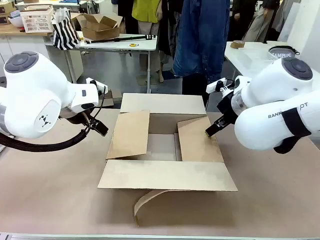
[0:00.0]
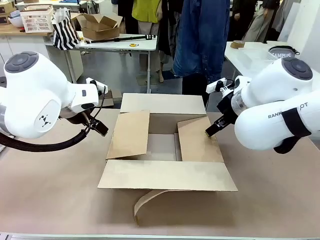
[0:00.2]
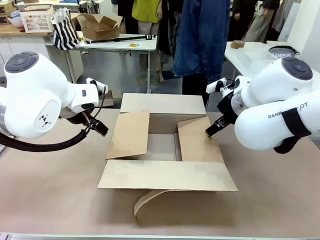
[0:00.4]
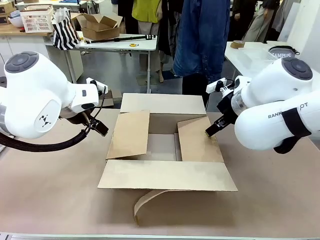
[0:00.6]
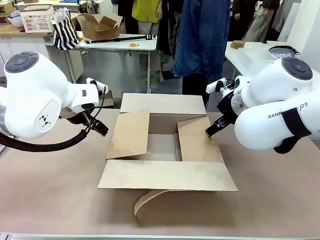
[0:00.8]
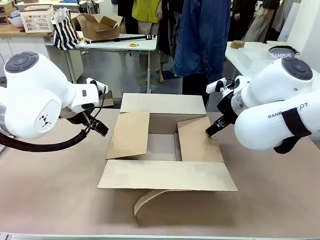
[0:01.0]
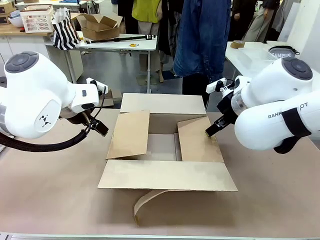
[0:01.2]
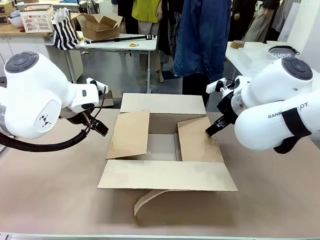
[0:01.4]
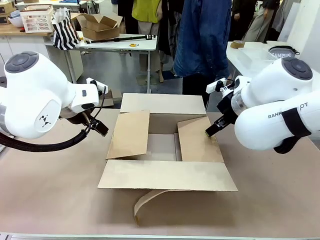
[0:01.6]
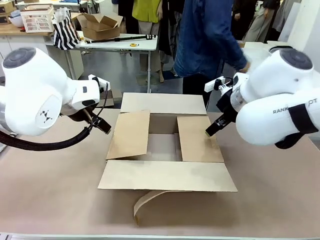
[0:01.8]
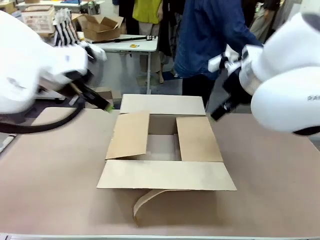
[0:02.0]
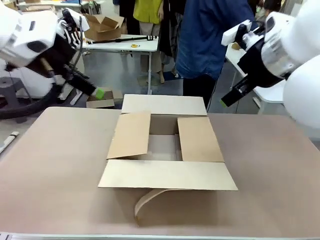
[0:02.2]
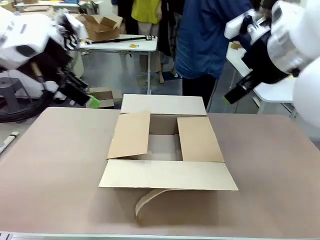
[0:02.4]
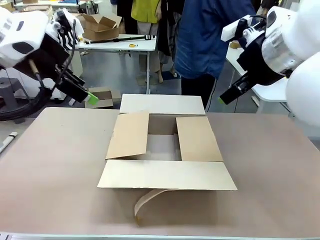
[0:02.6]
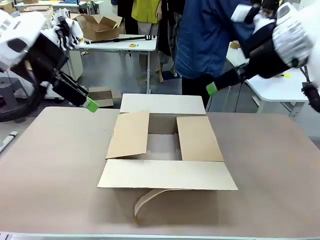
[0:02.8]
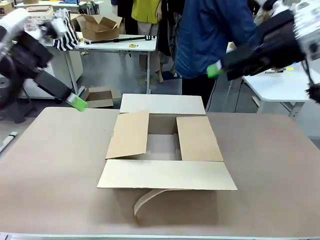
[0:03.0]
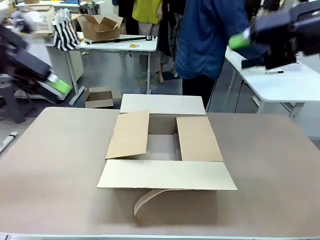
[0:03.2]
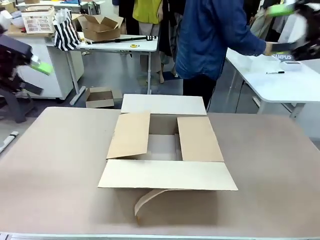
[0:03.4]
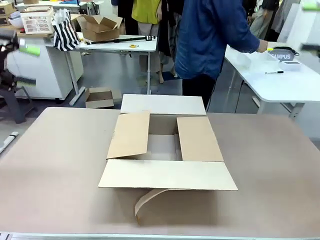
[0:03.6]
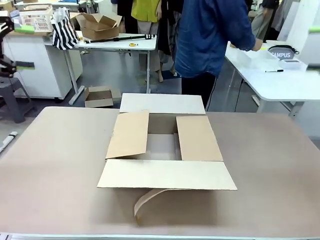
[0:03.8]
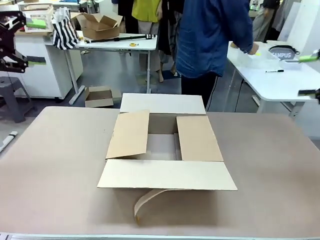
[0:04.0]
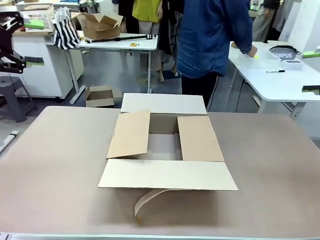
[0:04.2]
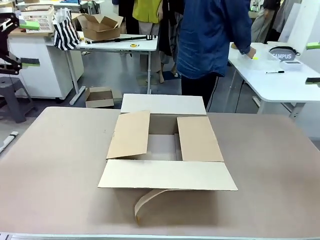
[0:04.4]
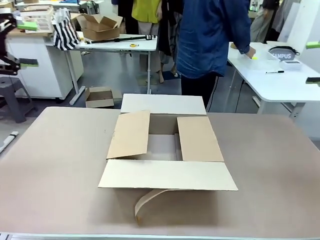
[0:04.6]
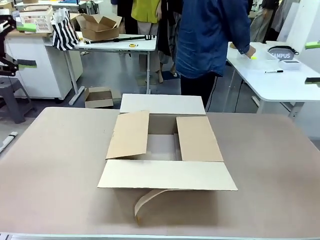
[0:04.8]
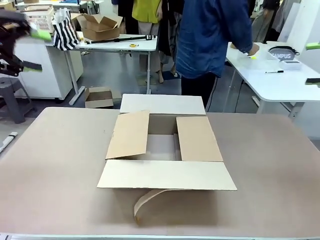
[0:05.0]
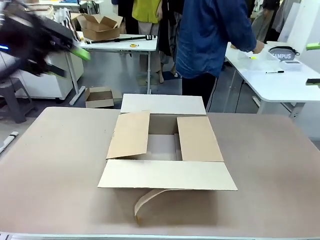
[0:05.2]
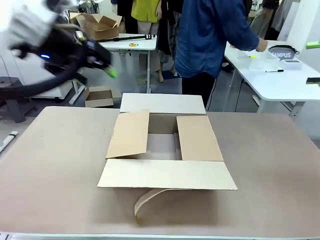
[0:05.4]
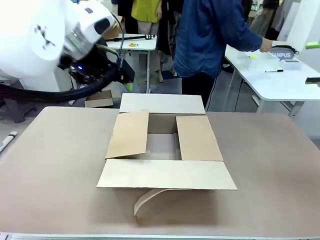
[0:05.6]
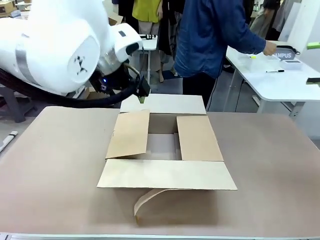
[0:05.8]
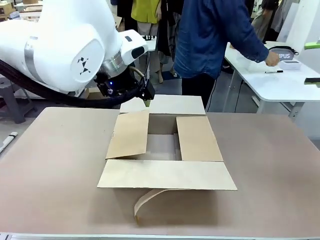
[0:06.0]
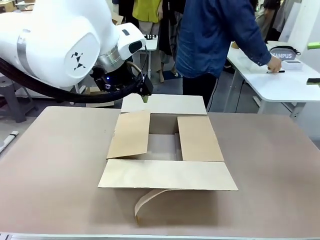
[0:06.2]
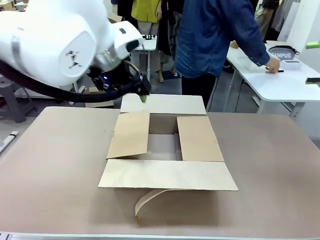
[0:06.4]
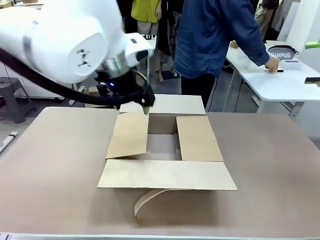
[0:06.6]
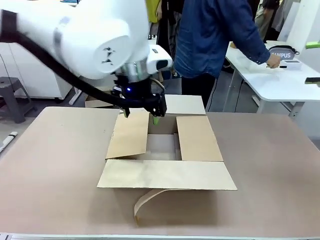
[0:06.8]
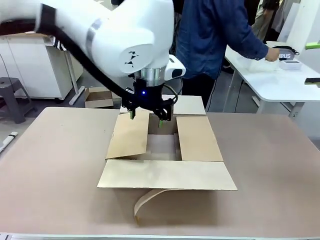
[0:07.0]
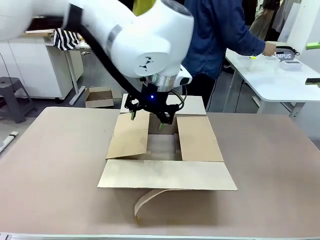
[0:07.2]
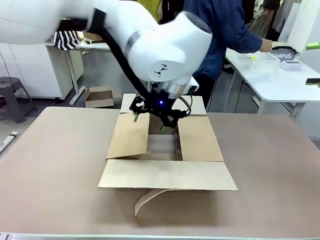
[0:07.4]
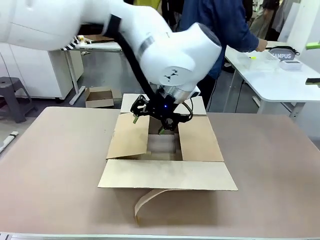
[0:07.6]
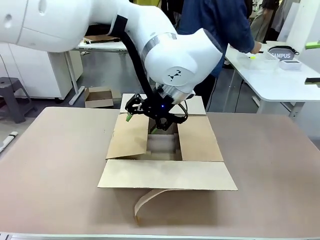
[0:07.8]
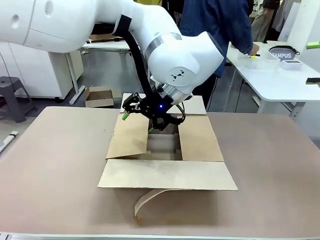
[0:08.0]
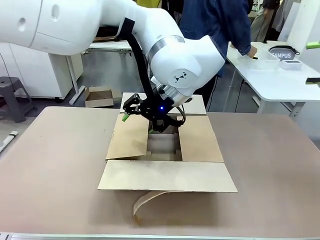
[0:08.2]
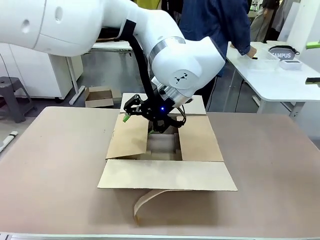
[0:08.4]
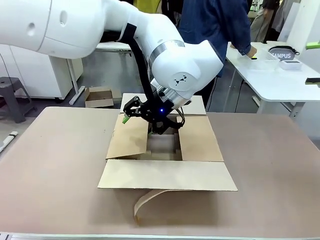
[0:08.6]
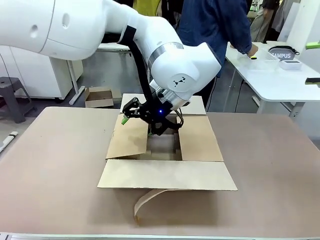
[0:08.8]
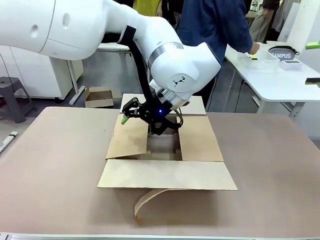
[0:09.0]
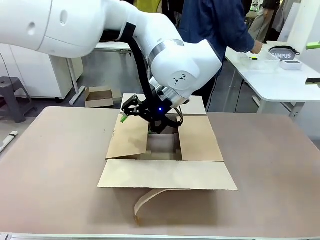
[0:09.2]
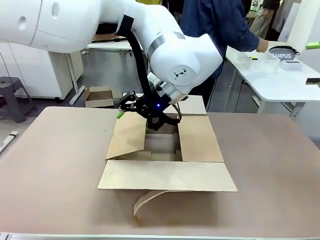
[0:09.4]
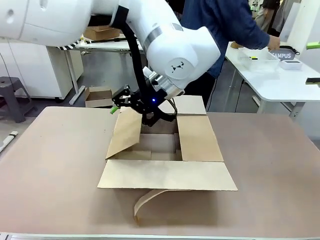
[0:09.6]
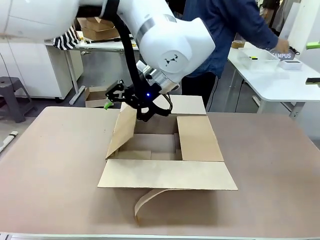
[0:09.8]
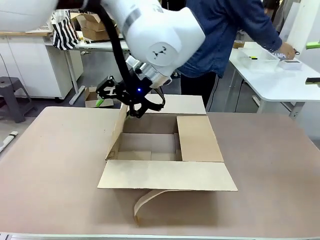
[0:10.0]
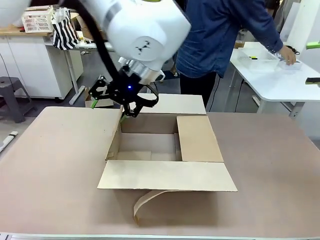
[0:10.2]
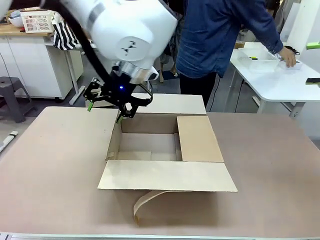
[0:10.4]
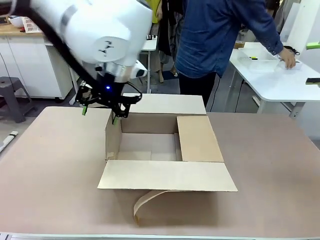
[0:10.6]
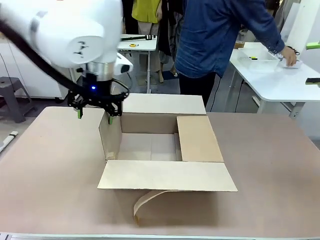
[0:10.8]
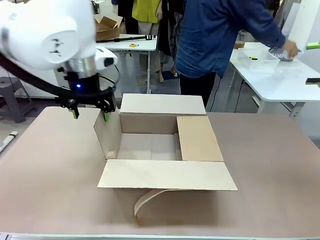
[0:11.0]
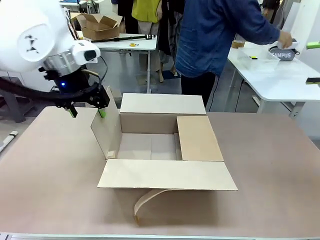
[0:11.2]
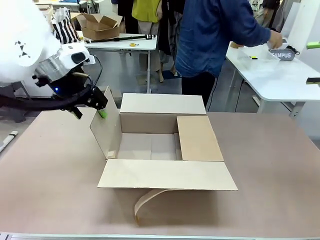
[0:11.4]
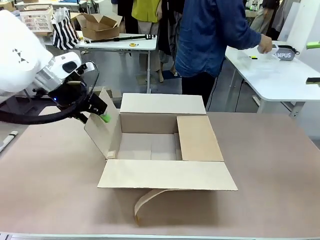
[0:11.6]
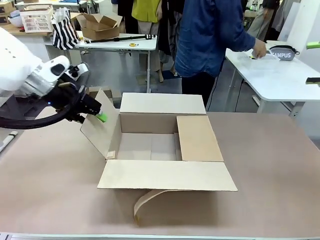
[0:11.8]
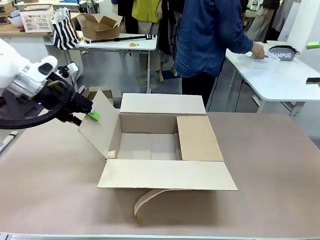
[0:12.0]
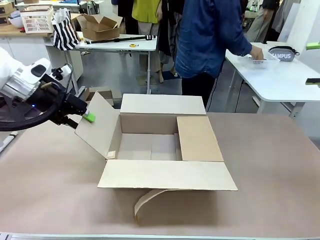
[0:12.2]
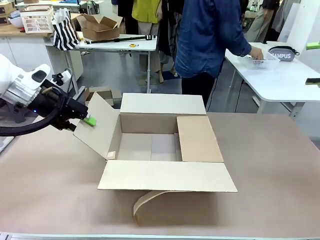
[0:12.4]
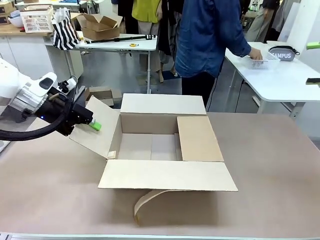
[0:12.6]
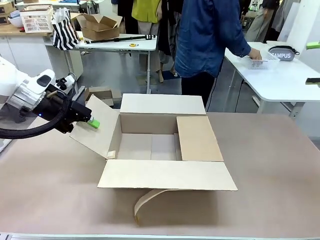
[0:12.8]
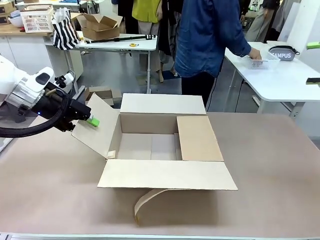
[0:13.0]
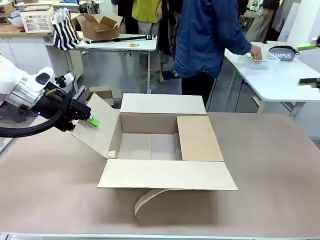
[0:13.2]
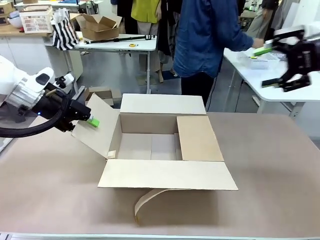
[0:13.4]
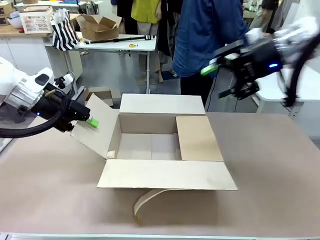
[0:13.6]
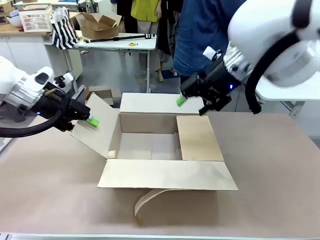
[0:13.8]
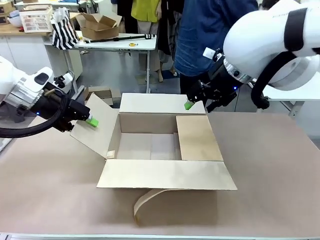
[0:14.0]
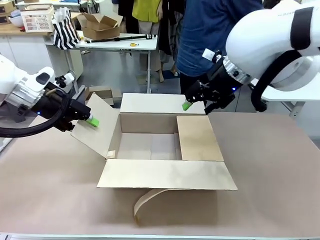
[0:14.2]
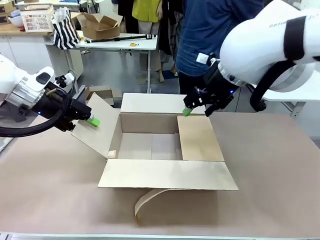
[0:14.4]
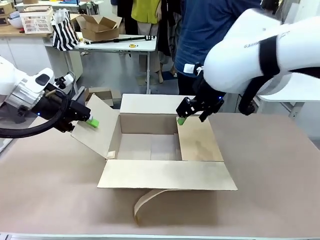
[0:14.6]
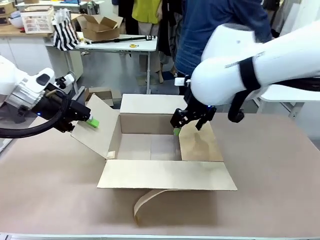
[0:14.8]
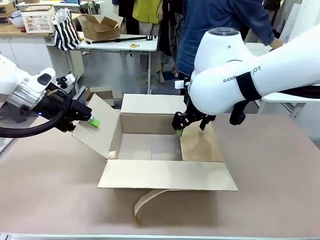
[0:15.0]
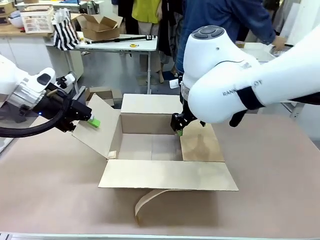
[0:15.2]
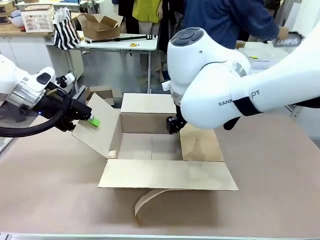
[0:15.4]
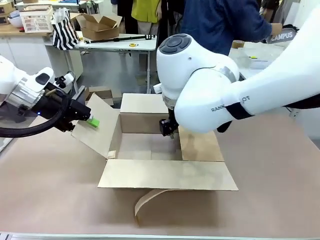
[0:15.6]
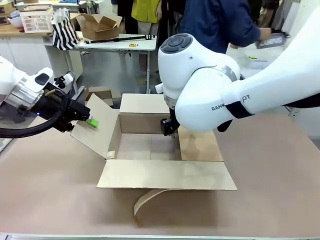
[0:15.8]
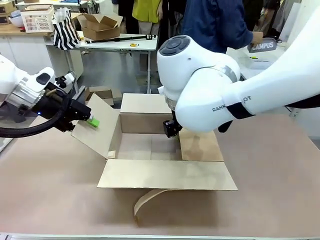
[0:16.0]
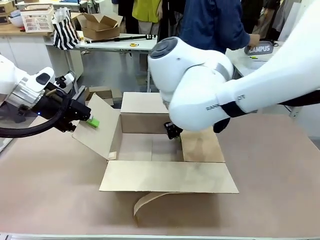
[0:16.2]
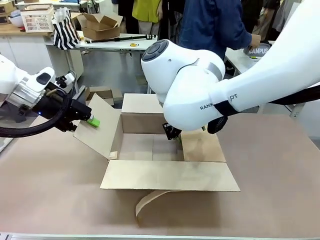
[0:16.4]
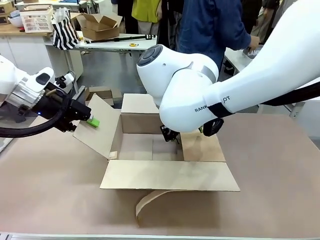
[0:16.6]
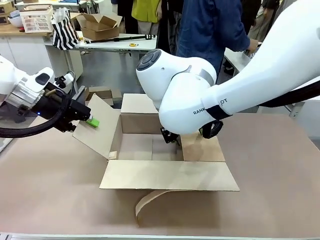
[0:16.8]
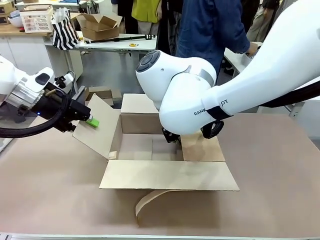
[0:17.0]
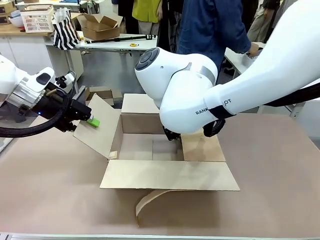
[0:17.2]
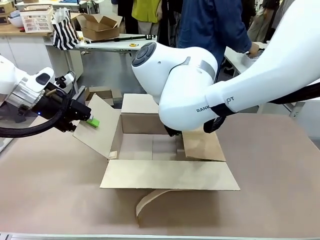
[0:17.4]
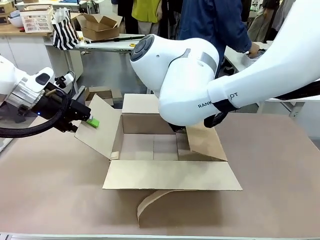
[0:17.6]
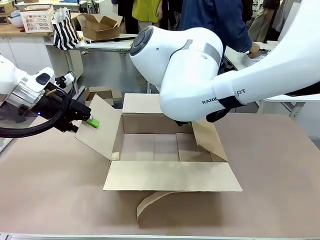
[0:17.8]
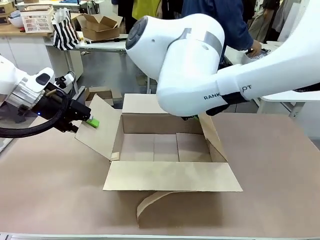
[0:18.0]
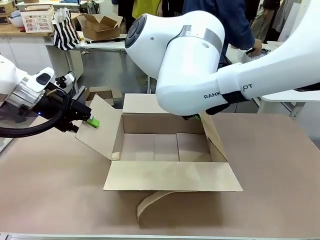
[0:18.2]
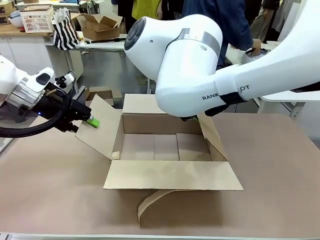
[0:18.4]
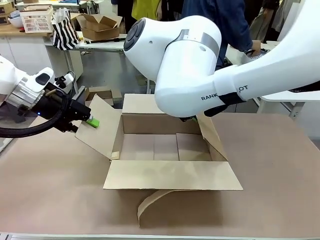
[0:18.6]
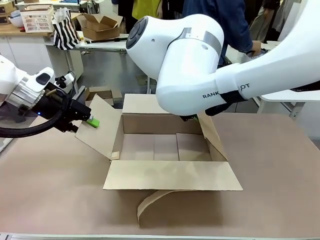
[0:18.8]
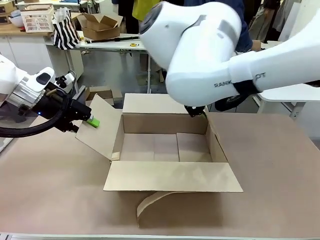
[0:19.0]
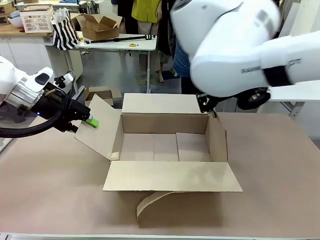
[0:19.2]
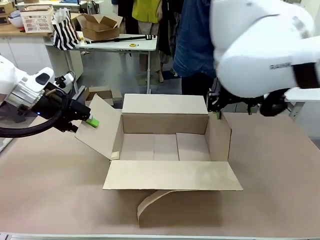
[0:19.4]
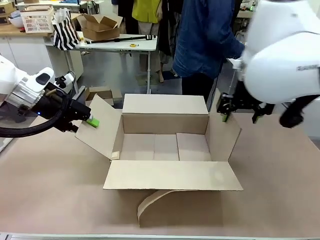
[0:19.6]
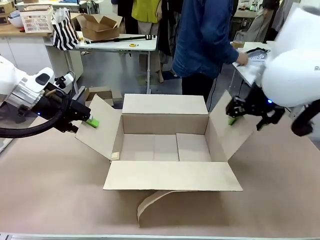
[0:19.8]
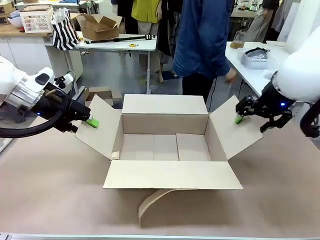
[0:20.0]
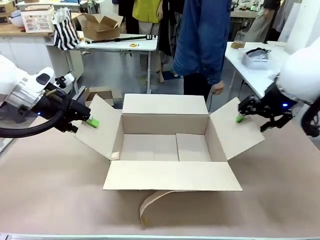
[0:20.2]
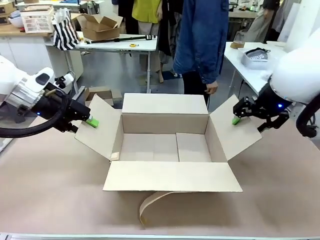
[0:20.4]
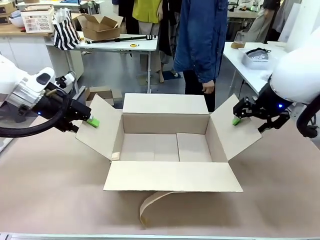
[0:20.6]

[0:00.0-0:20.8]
Task: Pack the gift set into the box.
Robot: Place both hands on the side flaps of the Package Box and spread them outward.
Person: The human places all items except the paper tape into the organizing basket.
